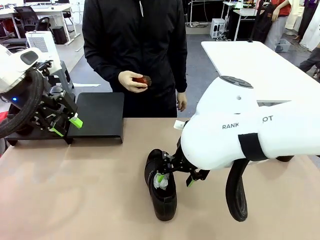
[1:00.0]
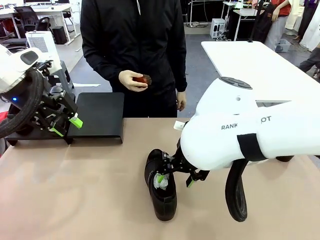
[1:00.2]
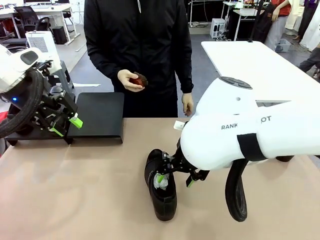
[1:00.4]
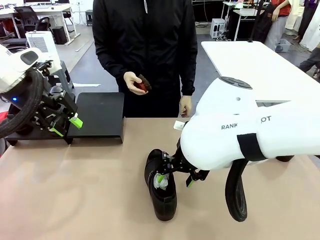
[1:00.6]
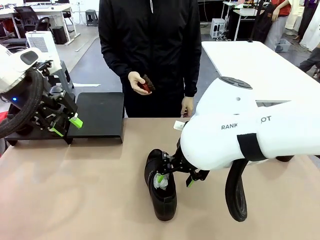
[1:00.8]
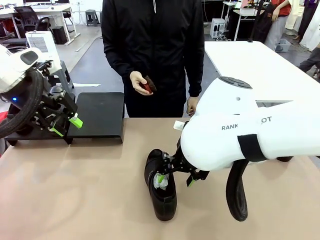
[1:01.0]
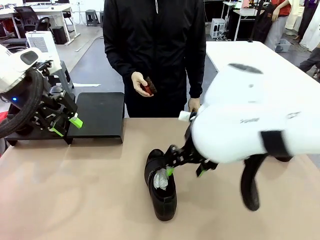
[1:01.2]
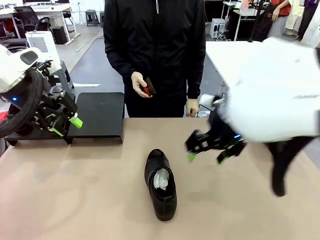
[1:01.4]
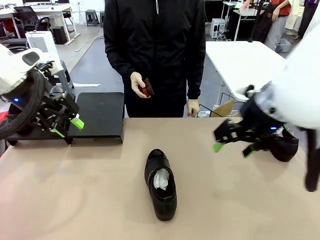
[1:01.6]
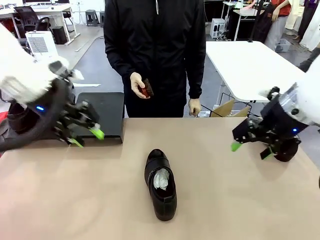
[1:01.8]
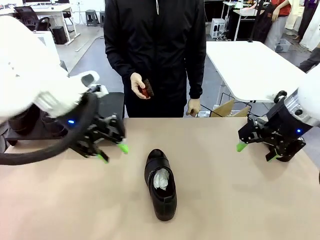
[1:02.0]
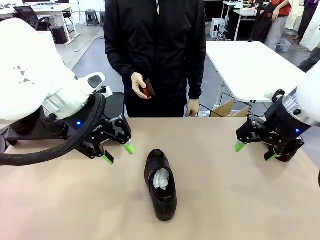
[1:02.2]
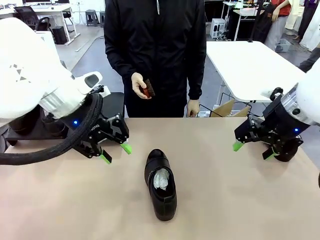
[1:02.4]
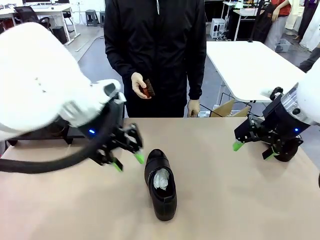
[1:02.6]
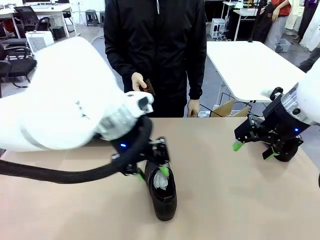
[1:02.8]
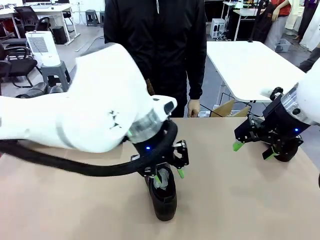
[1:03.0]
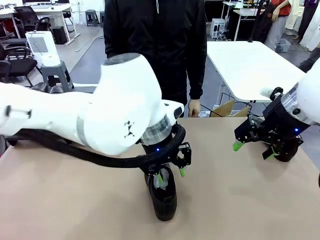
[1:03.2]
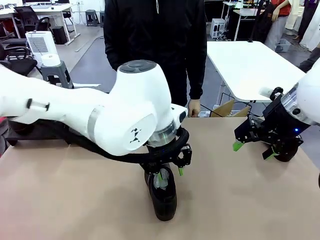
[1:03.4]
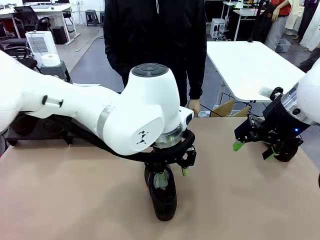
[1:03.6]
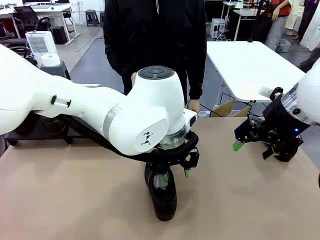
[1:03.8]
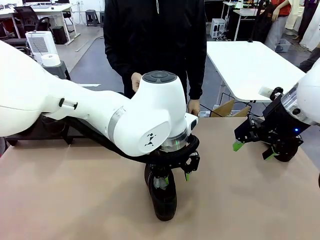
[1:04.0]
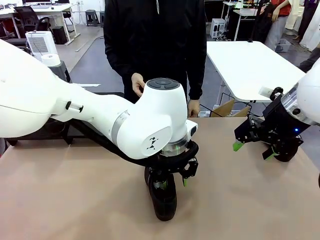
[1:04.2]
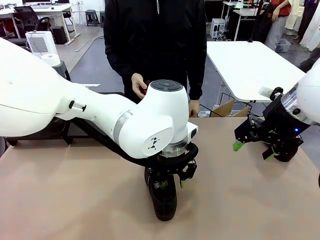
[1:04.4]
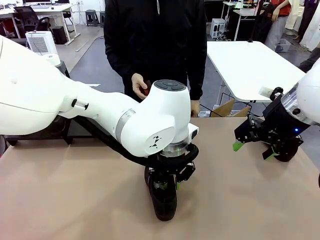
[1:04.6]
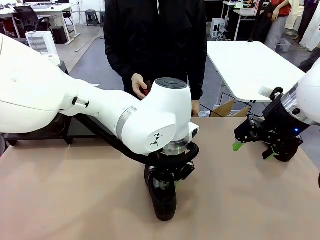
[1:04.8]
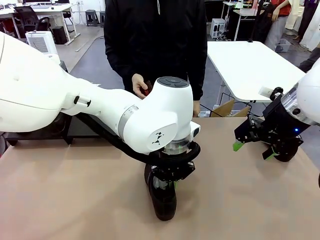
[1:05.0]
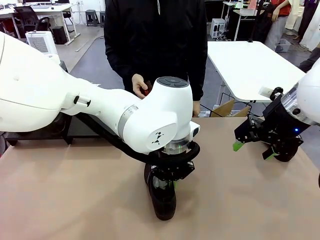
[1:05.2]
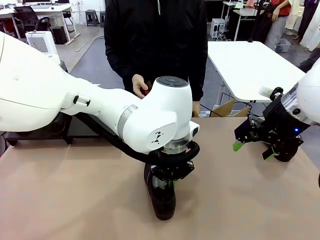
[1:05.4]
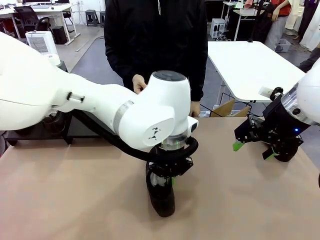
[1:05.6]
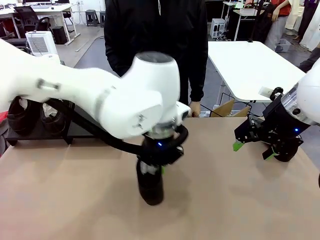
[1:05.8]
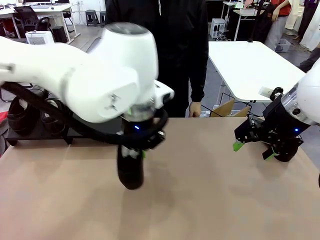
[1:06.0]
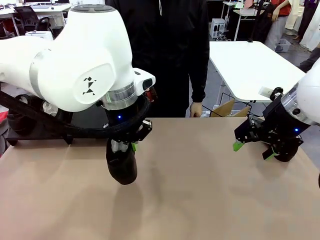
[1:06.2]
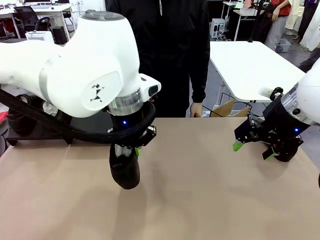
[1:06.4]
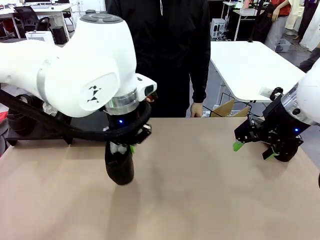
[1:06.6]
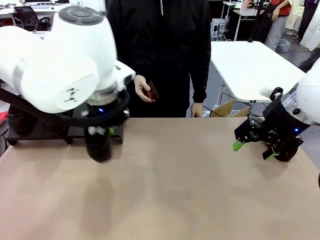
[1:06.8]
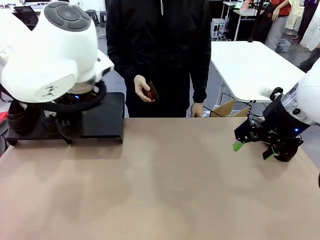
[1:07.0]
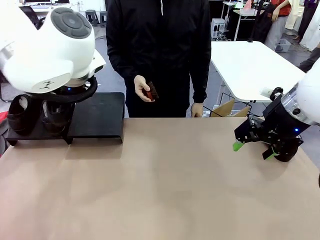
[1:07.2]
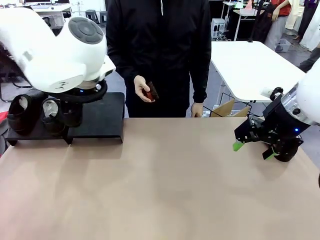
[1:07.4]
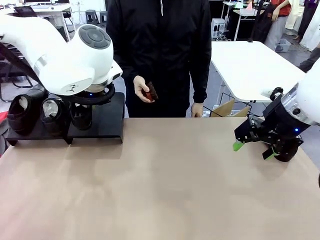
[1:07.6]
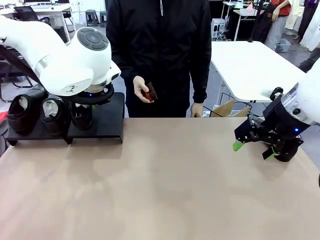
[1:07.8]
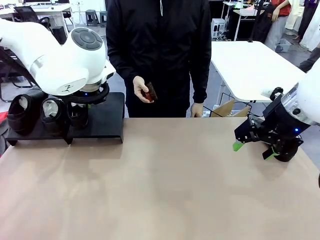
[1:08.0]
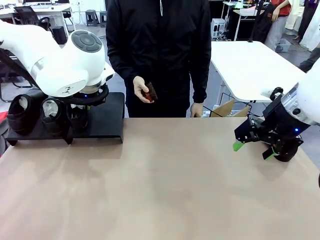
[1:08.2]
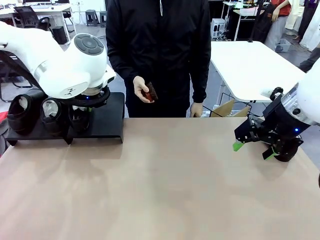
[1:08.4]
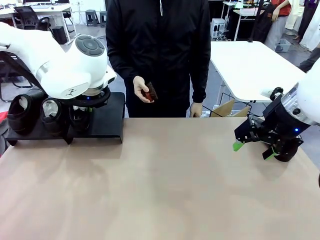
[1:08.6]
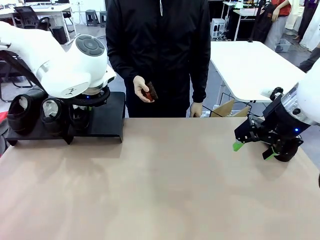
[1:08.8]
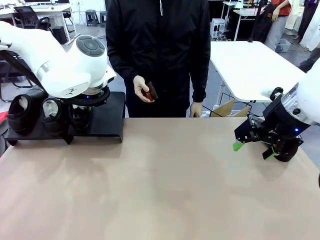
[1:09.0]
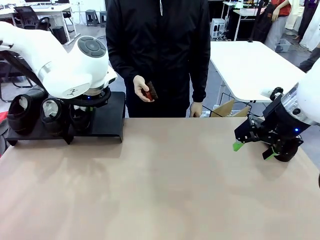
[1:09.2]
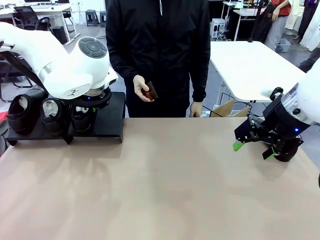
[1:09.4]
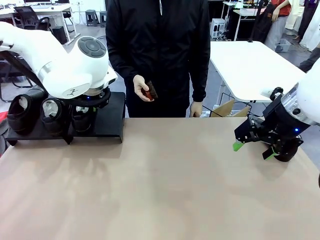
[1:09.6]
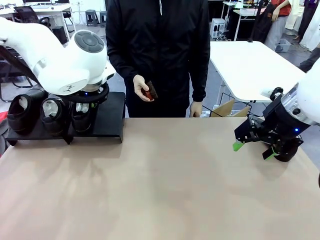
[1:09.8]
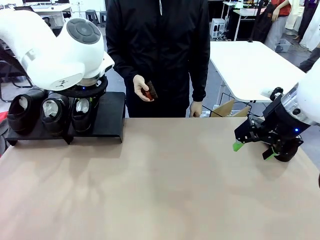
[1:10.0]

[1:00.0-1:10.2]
Task: Organize the shoes by placing them on the stand.
Robot: Place the Shoe from the middle of the table onto the Shoes Stand.

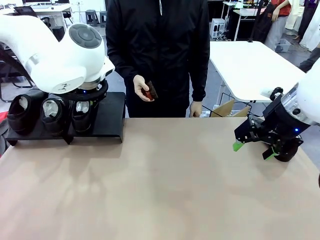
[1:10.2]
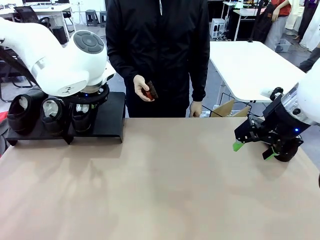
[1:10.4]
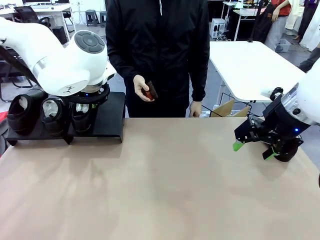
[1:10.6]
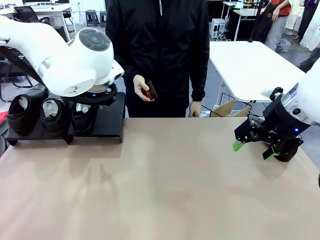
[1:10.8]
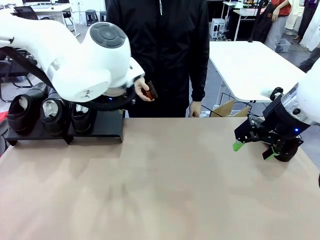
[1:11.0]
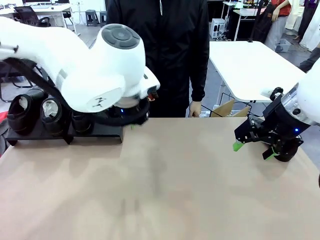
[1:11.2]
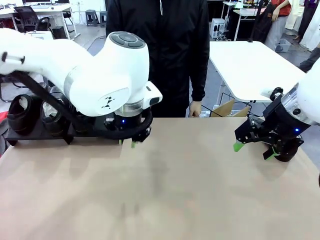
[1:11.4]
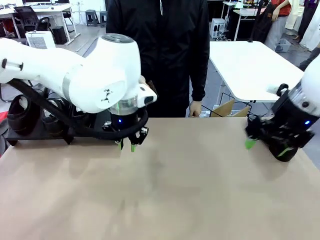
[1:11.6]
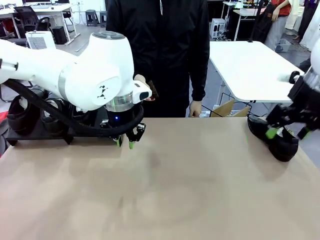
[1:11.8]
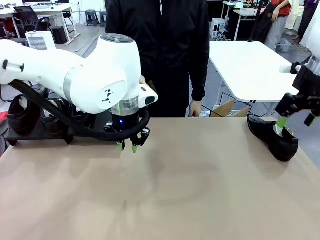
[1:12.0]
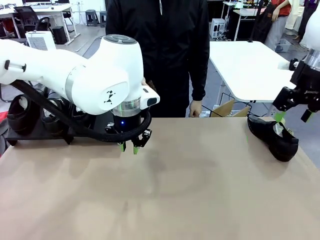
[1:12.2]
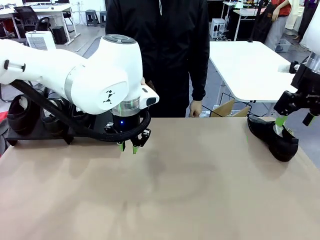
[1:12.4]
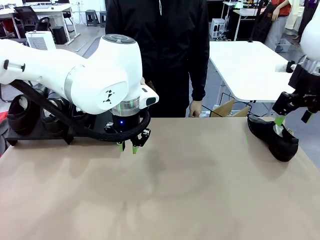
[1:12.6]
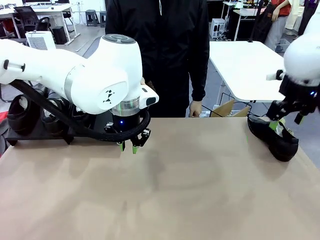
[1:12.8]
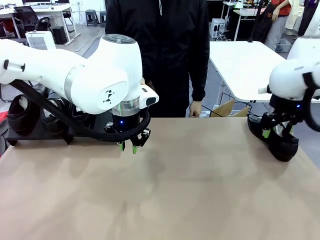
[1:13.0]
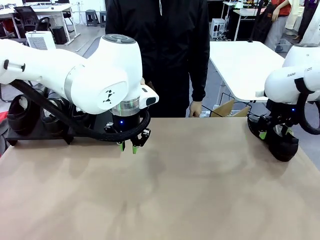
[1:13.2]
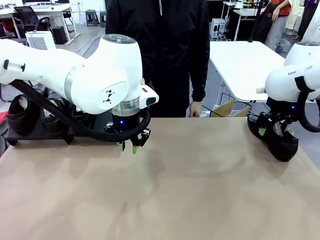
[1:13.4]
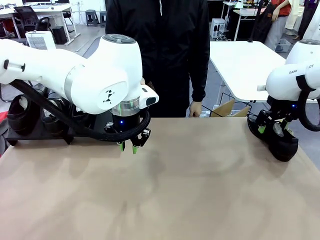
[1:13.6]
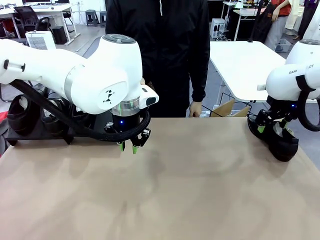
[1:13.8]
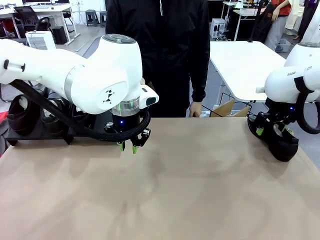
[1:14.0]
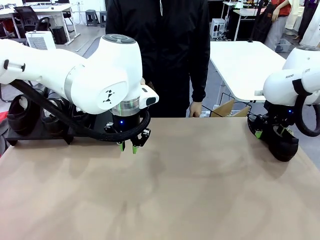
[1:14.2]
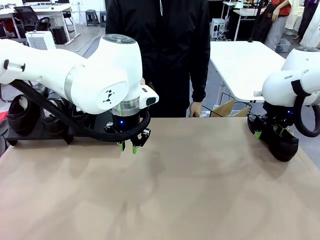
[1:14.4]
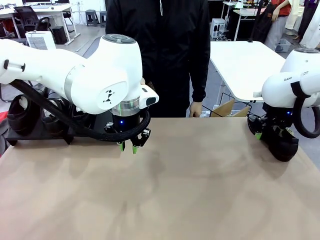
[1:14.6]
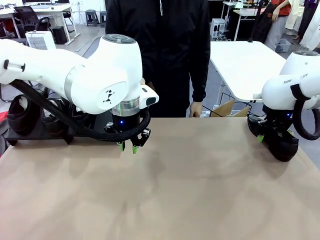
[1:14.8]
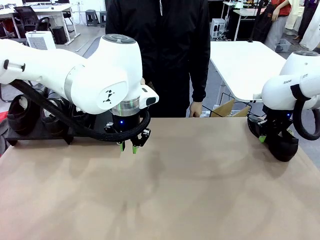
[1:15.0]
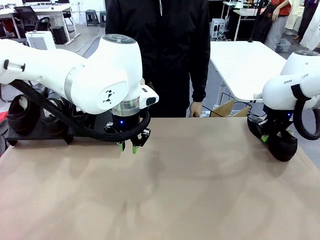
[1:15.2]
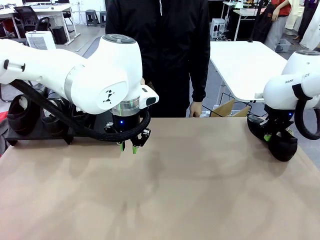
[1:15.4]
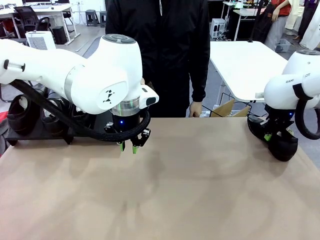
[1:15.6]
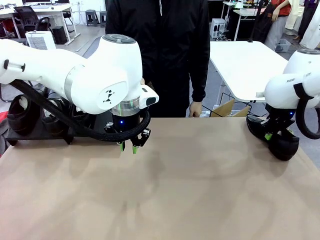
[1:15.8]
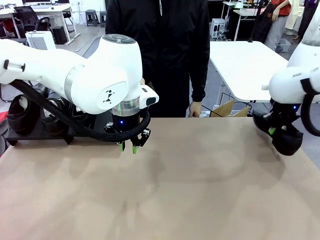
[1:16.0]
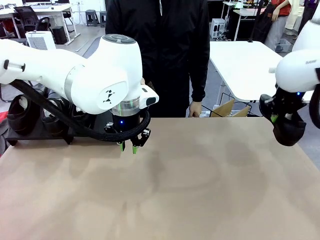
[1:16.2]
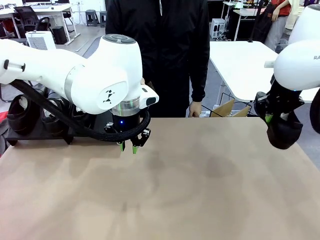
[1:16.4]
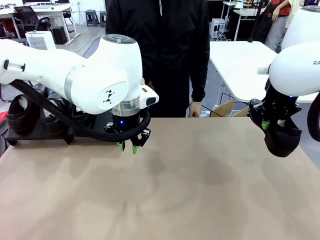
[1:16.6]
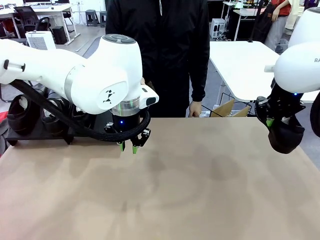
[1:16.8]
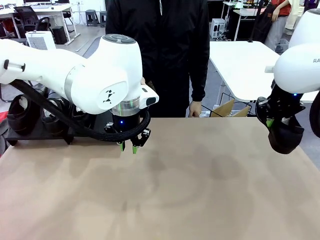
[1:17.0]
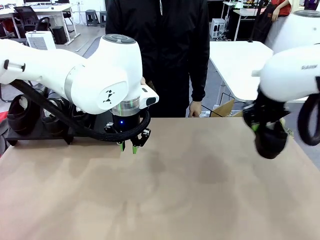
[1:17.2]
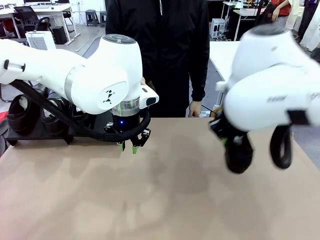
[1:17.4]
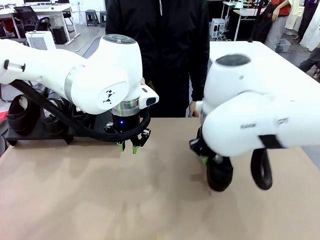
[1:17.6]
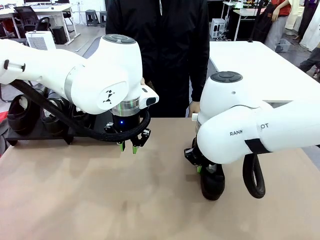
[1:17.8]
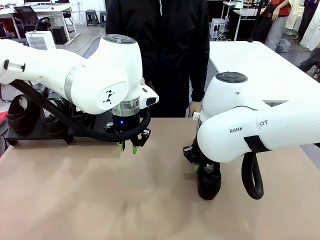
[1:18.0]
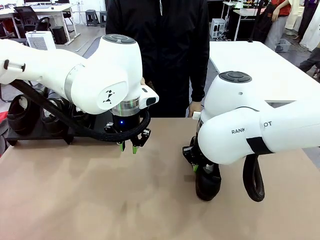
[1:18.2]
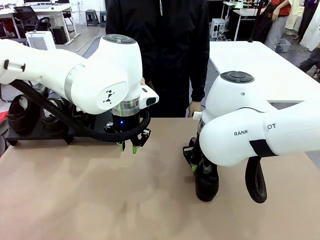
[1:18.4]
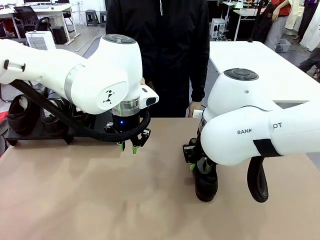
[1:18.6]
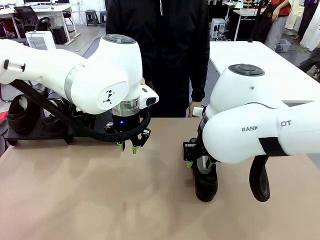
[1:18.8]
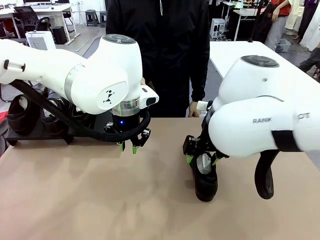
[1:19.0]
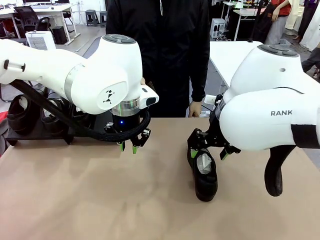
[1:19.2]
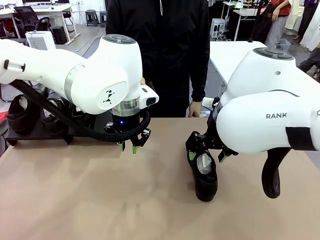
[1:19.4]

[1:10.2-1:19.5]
Robot: Pick up one Shoe and place it in the middle of the table.
